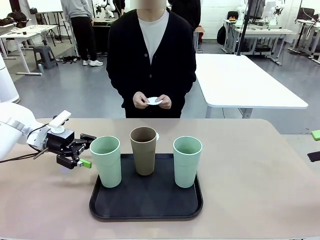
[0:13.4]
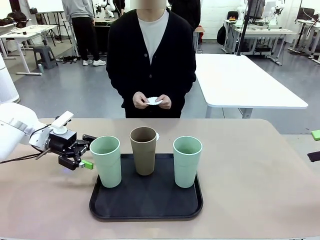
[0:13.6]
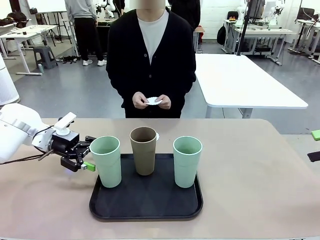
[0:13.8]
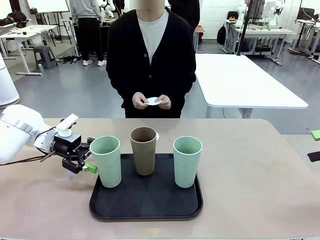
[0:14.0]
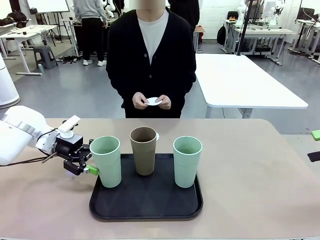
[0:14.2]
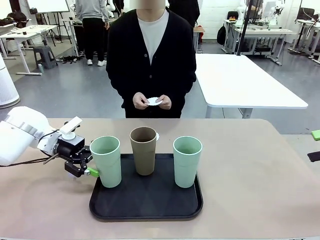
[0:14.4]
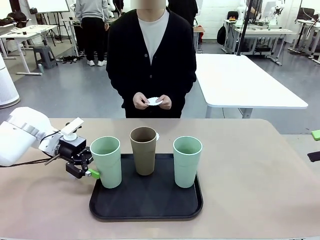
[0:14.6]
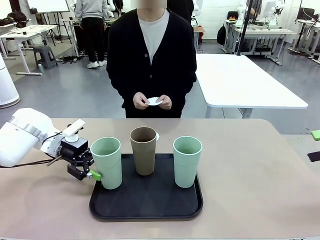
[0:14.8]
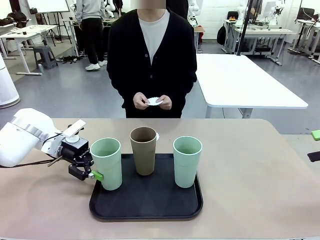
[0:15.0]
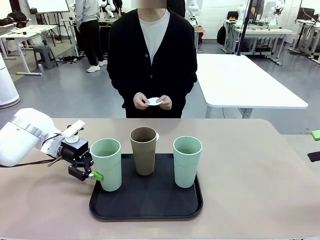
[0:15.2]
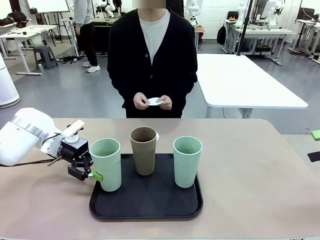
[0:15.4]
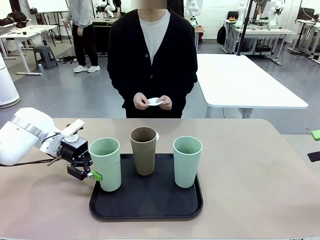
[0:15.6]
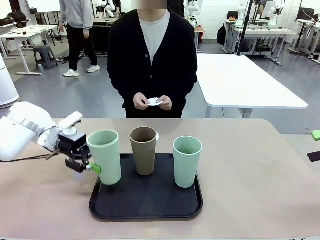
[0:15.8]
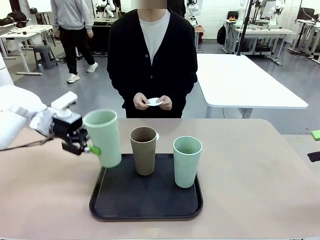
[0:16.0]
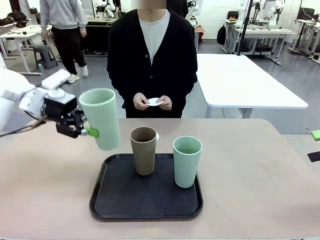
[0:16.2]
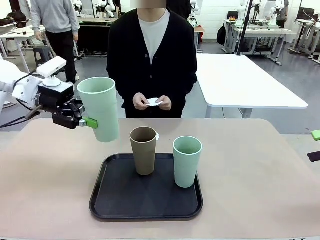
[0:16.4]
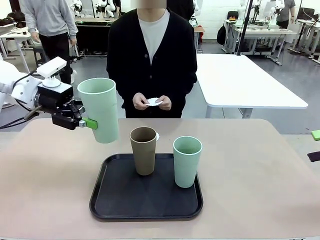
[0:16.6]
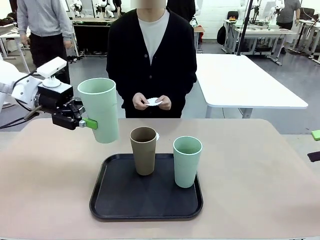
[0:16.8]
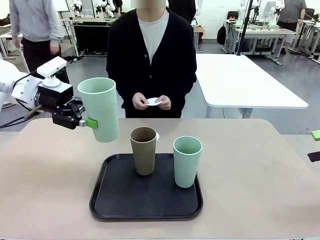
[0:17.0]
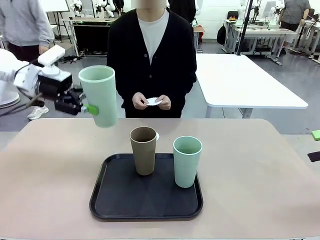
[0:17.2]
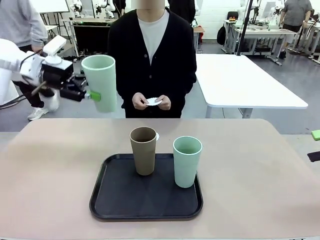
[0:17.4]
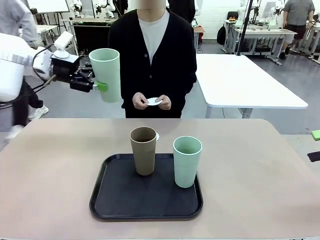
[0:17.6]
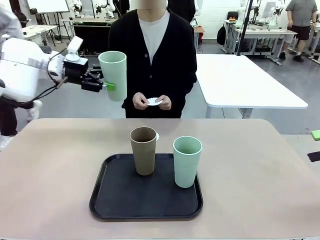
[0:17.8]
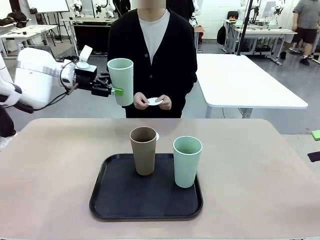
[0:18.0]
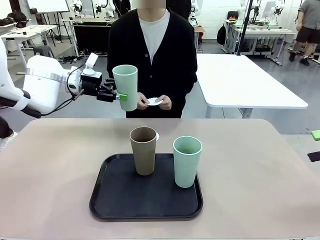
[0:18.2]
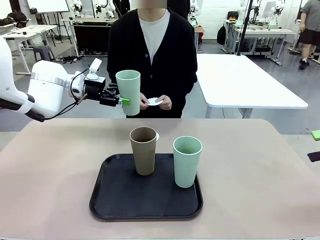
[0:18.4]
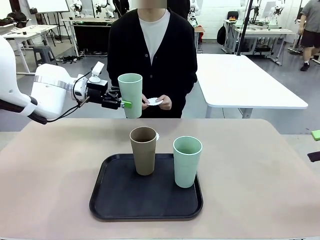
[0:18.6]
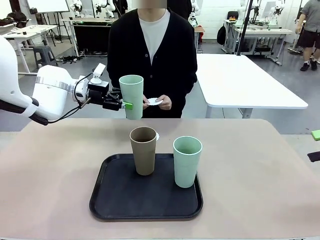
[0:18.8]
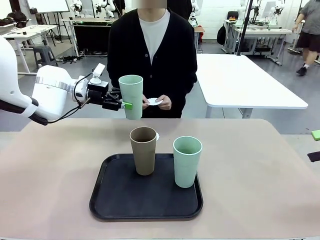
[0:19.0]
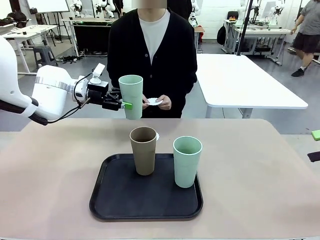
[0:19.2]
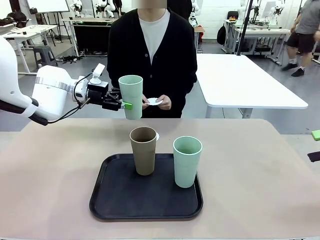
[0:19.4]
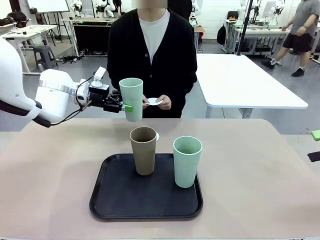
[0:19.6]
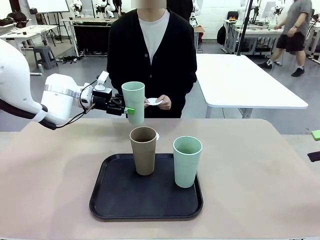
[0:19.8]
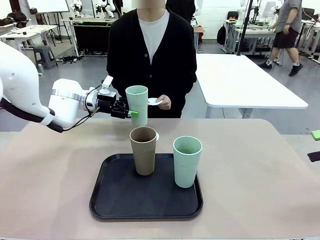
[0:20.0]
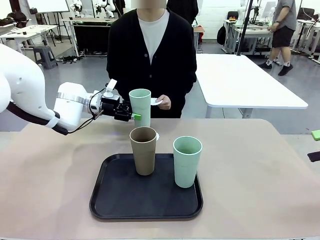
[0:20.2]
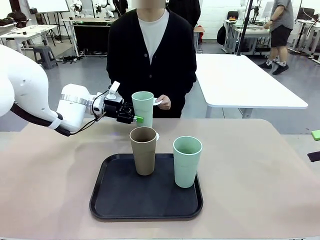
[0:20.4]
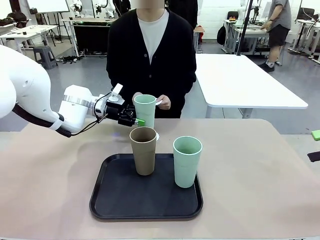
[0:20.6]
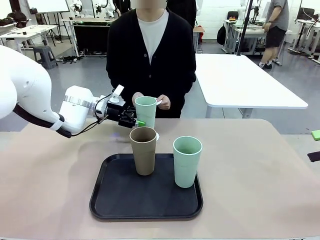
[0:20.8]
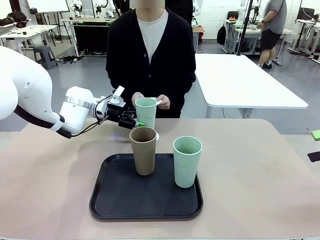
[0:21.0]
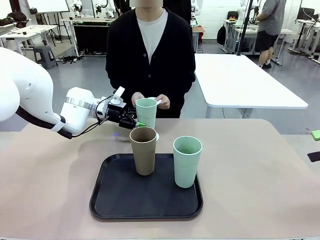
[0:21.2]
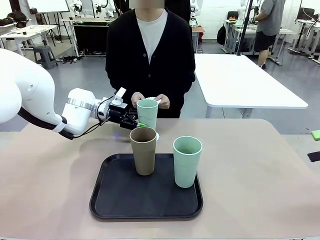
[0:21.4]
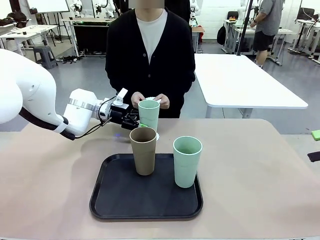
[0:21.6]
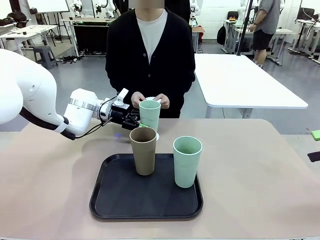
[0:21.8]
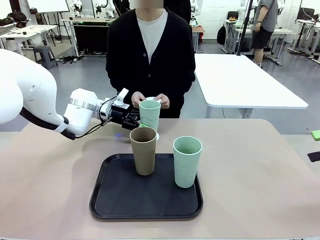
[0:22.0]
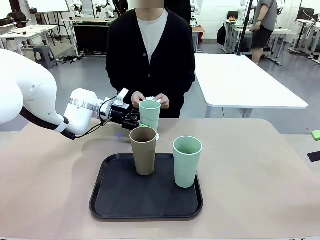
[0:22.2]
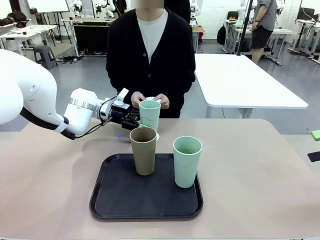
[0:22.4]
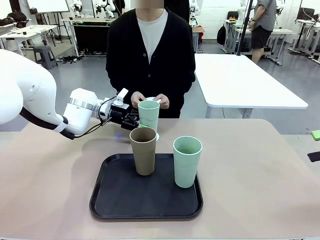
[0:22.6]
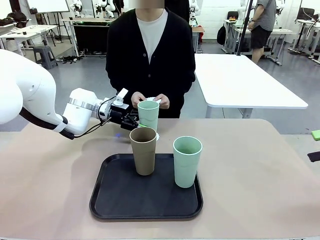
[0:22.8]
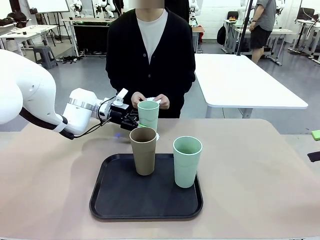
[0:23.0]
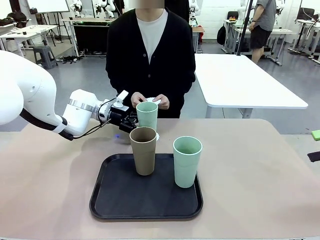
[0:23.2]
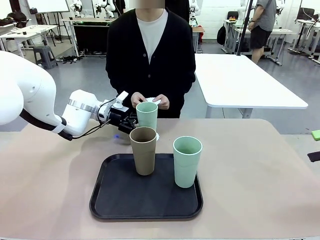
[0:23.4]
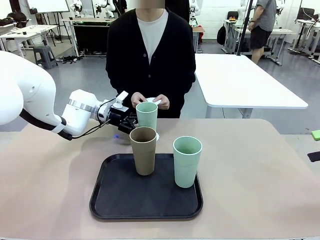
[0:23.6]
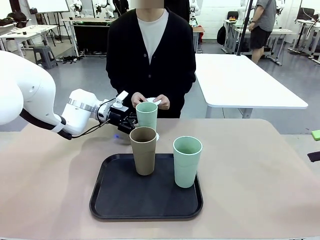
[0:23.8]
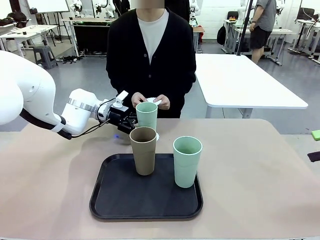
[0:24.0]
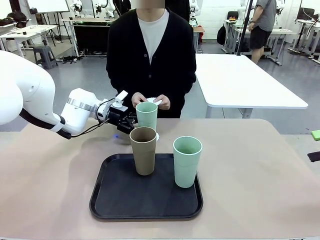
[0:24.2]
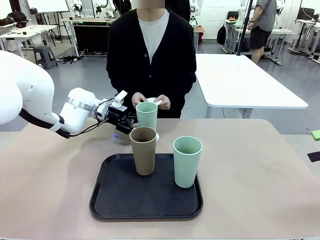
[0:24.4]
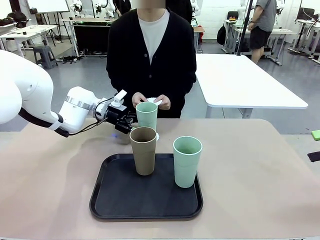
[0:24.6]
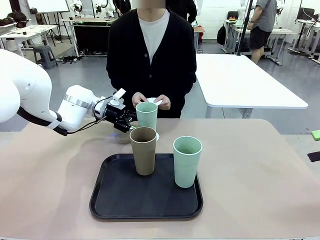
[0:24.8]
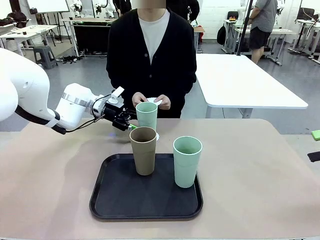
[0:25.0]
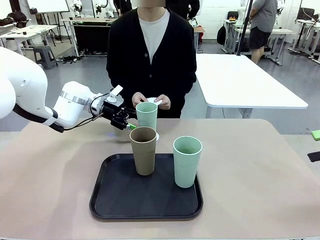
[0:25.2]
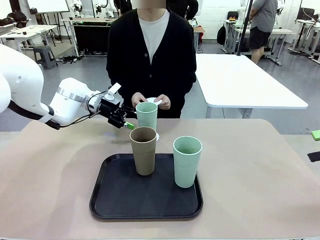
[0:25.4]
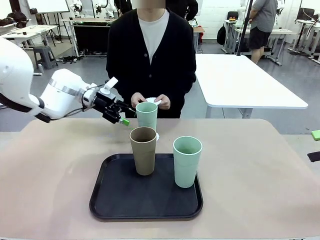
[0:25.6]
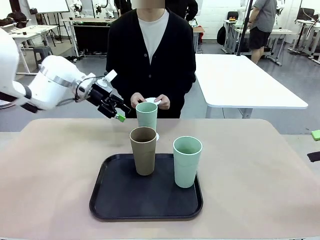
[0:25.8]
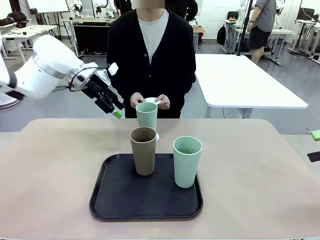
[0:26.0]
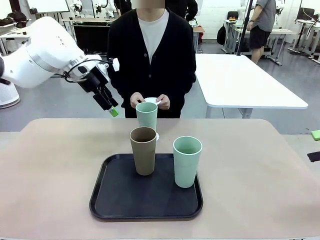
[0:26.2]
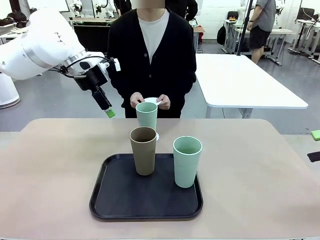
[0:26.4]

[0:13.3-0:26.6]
Task: Place coasters on the table and set cups on them.
Robot: Pick up one Reusable plastic cup and place it on a coaster set by the human.
Person: Place one coaster in one of the two areas excluding the previously selected area.

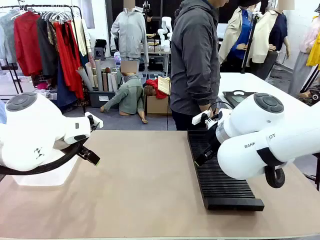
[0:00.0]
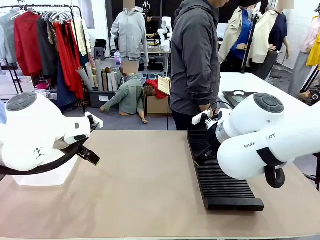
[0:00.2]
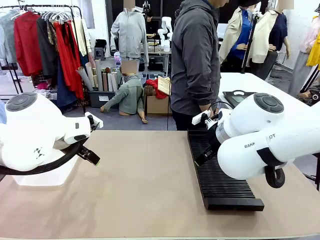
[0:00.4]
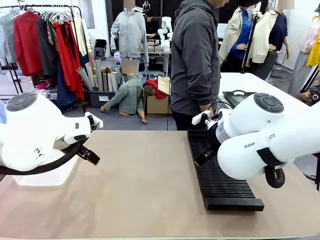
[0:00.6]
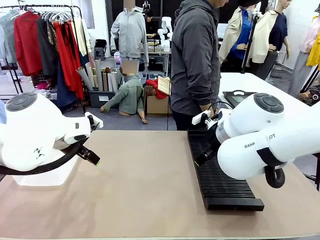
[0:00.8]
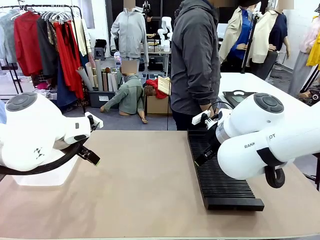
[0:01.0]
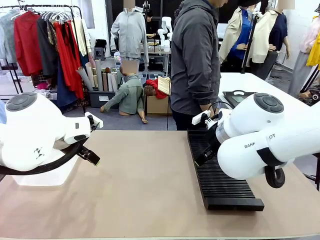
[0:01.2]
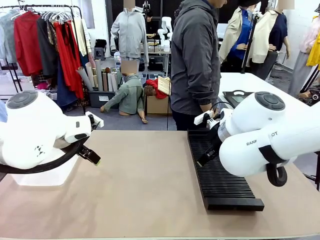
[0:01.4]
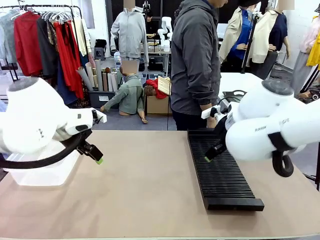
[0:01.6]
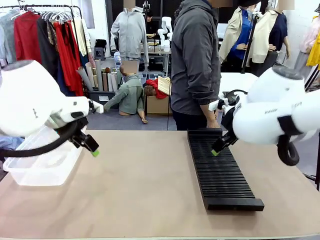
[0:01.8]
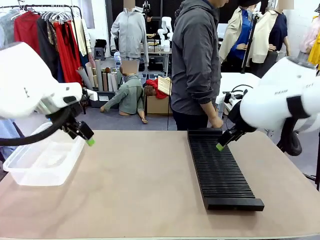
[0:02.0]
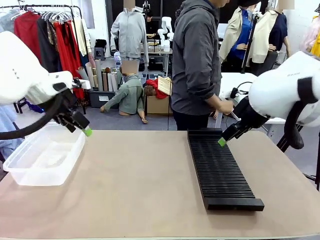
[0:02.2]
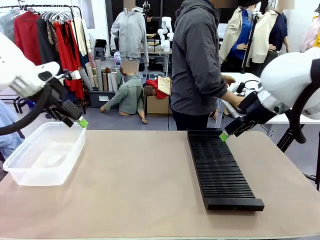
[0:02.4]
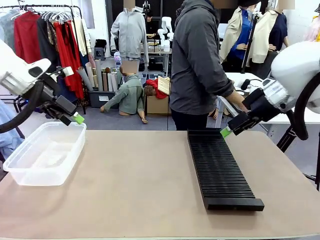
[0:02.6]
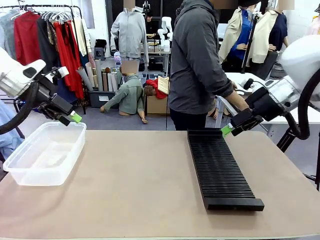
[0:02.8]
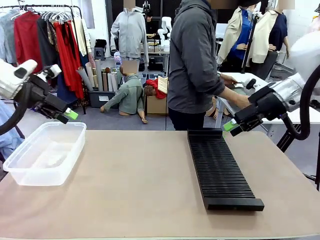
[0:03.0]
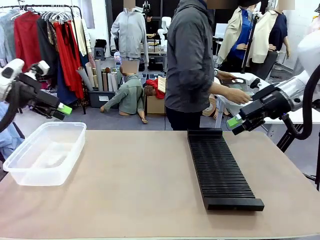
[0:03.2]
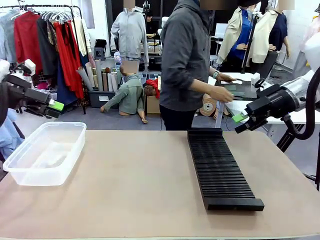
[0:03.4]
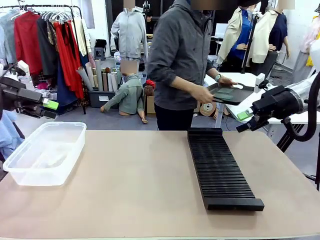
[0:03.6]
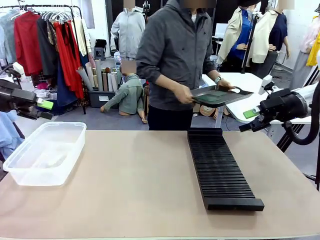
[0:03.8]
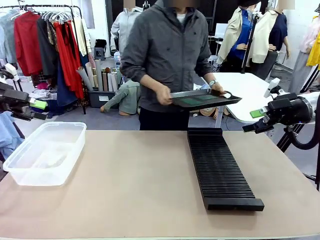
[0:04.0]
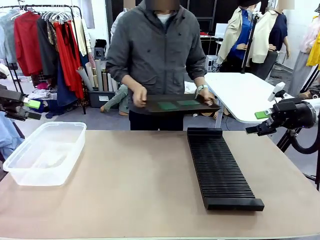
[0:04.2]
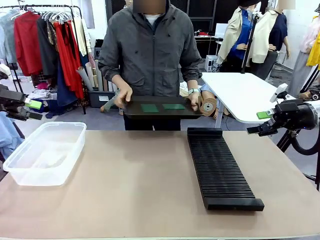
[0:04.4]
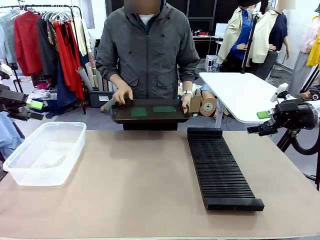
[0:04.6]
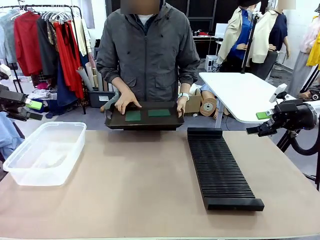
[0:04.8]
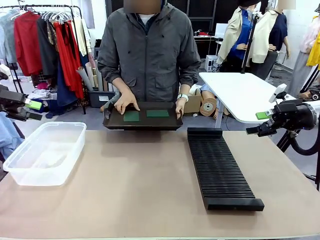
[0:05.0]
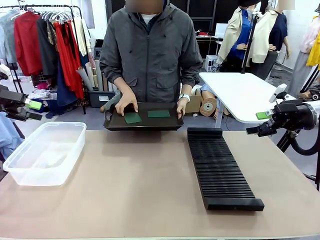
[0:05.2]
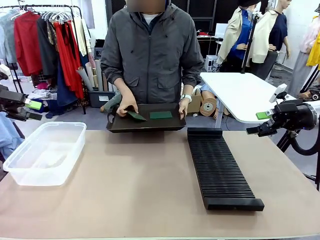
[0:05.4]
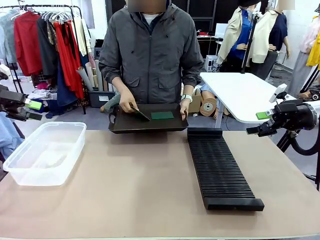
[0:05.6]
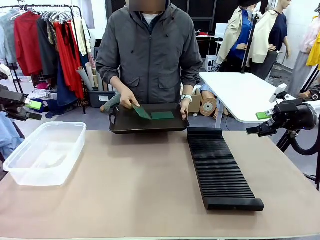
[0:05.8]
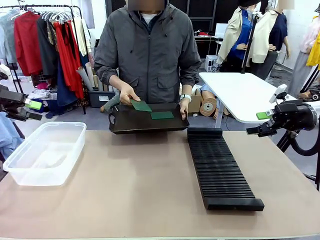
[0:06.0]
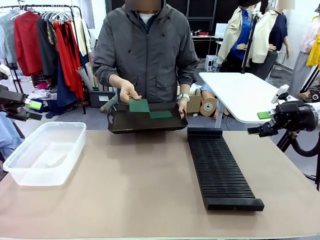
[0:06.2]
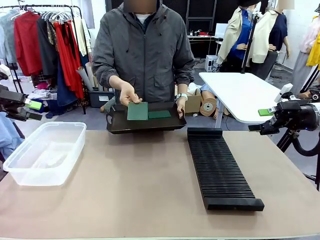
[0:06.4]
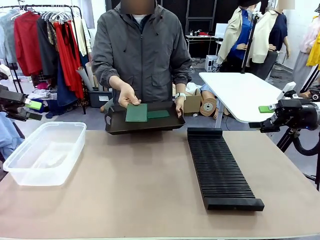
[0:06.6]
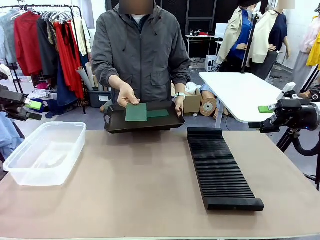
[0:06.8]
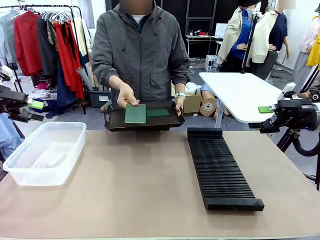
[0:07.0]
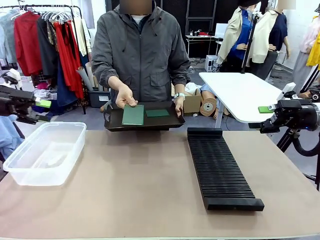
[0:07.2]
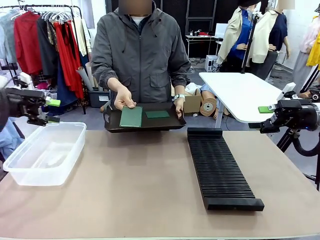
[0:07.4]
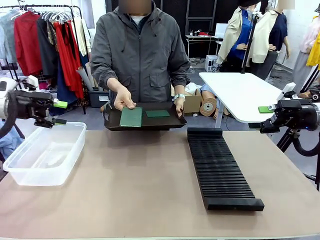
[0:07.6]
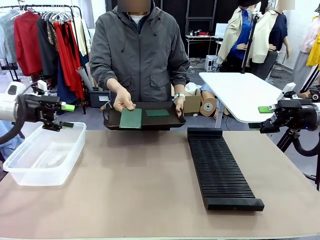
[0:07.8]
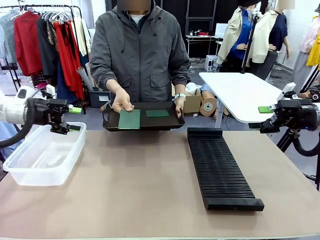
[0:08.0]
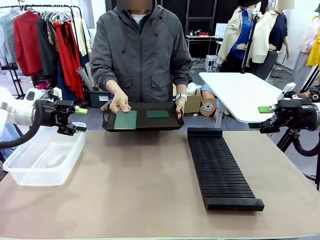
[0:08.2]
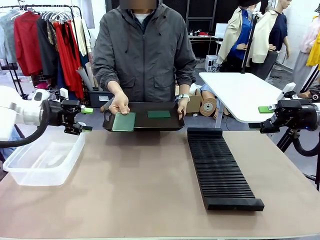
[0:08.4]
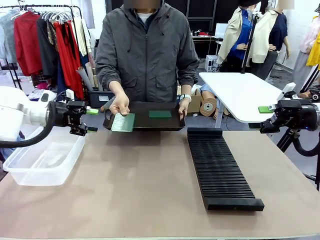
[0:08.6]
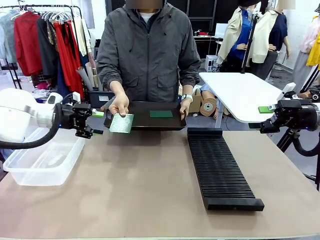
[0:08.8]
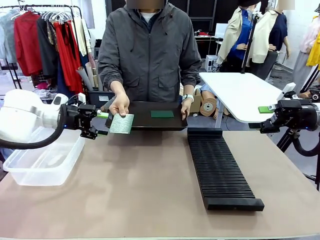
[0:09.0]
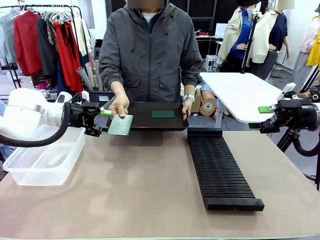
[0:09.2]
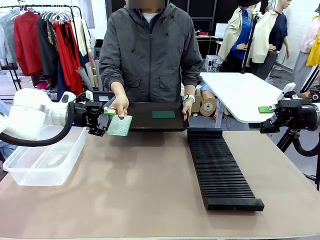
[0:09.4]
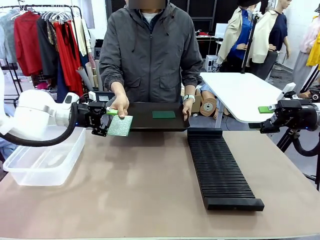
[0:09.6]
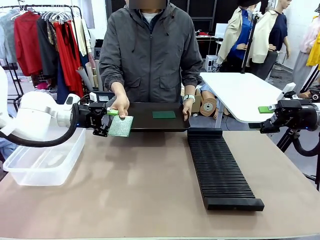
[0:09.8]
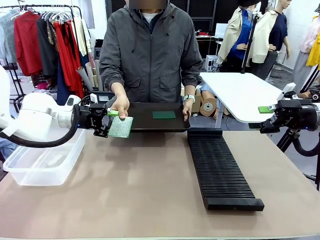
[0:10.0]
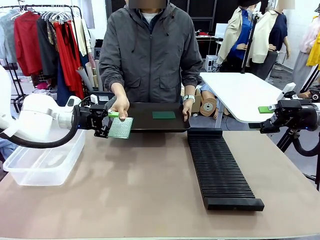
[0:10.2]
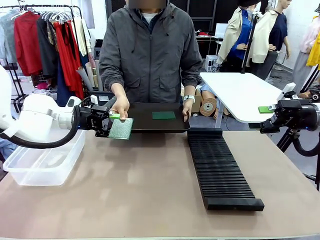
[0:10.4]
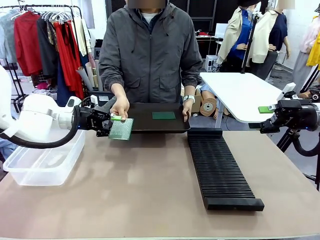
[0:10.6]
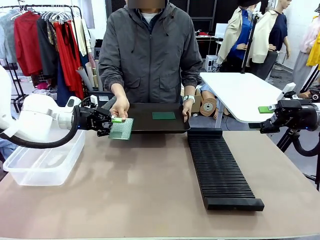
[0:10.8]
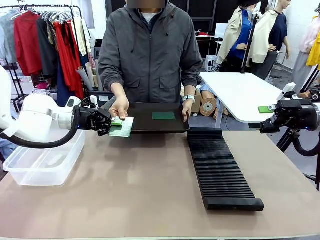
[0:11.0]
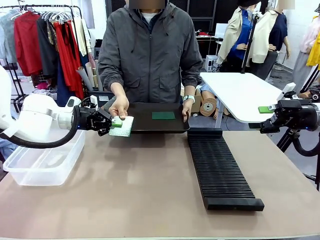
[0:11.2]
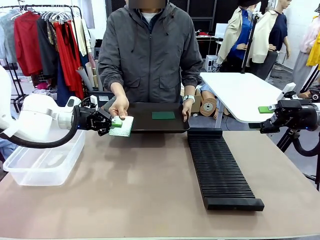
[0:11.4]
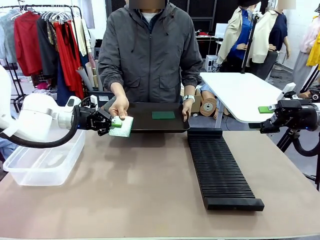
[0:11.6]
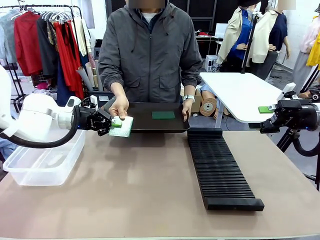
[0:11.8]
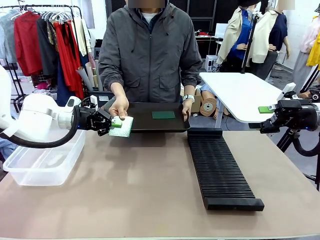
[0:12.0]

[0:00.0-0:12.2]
Task: Sort PCBs into racks and boxes based on the side picked up.
Robot: Pick up the Blank PCB handed by the Human.
Person: Pick one PCB from the tray and present it to the robot. Release the PCB being held.
